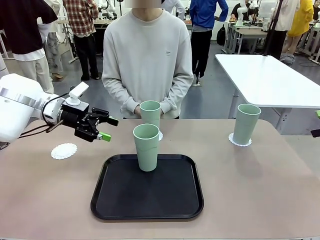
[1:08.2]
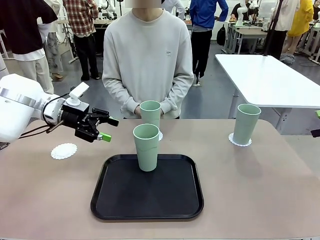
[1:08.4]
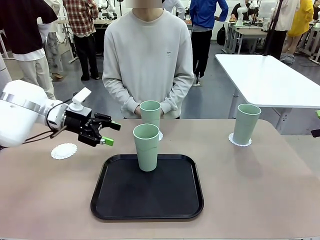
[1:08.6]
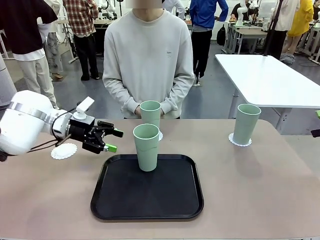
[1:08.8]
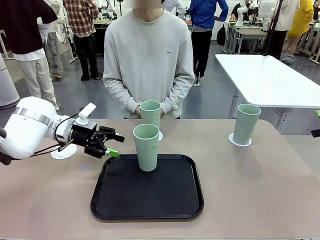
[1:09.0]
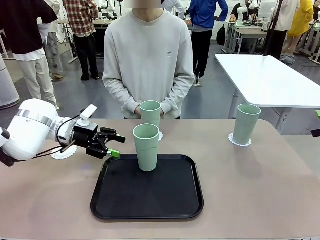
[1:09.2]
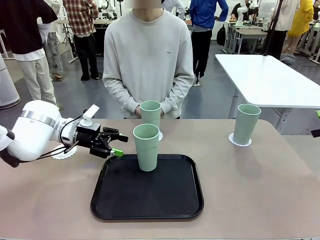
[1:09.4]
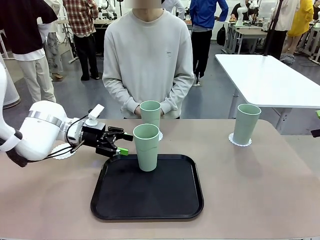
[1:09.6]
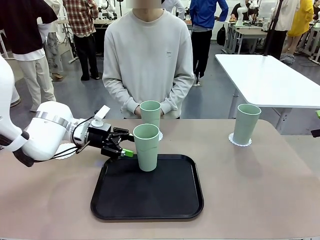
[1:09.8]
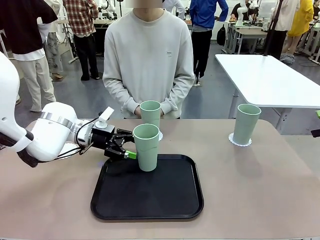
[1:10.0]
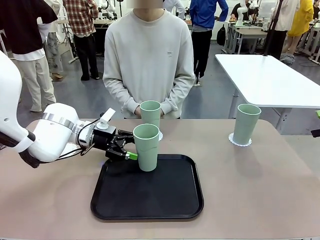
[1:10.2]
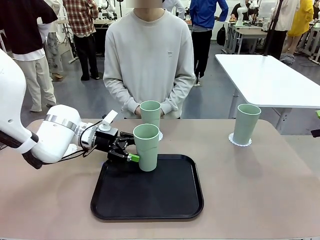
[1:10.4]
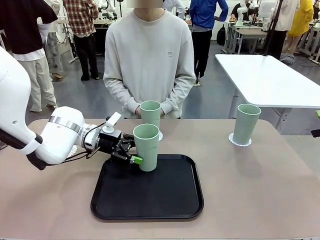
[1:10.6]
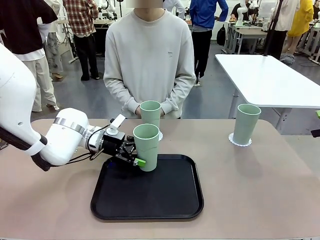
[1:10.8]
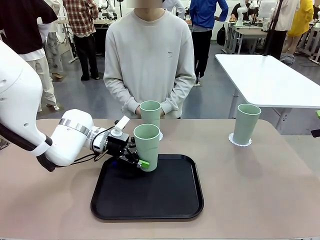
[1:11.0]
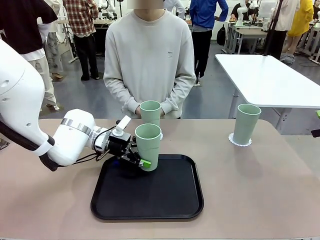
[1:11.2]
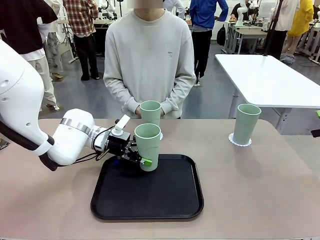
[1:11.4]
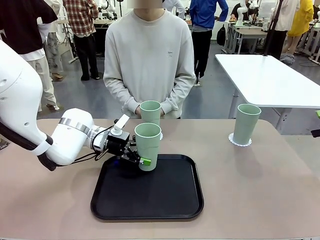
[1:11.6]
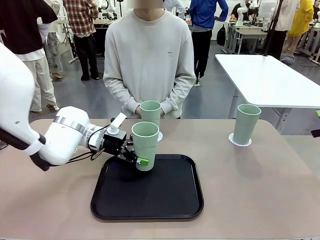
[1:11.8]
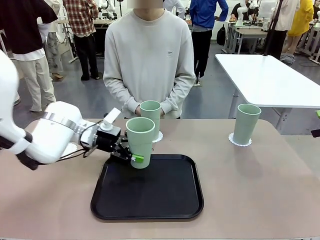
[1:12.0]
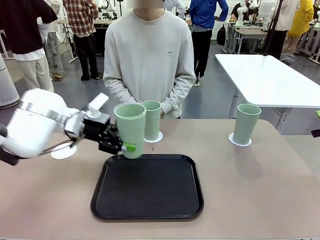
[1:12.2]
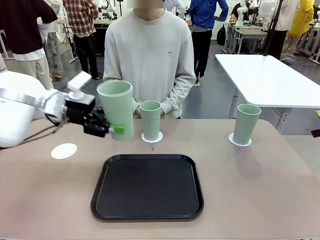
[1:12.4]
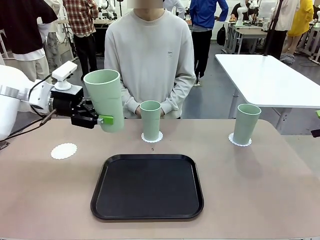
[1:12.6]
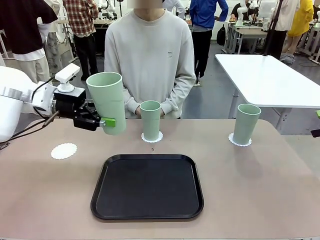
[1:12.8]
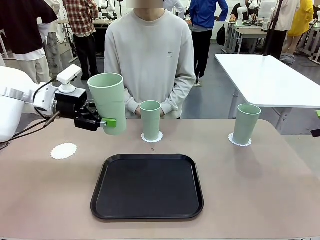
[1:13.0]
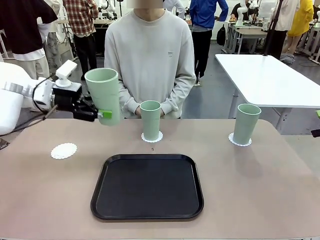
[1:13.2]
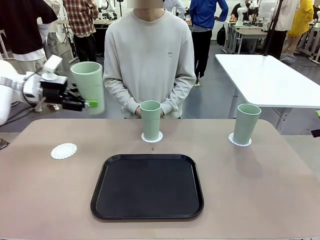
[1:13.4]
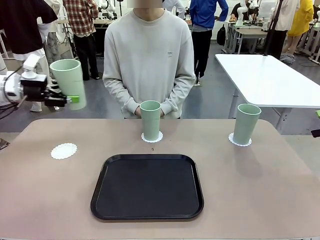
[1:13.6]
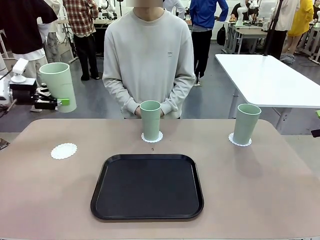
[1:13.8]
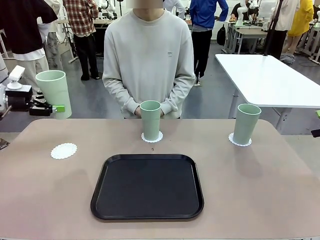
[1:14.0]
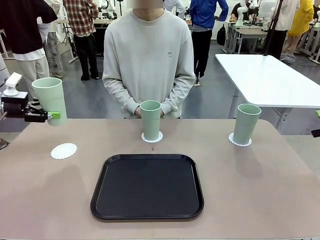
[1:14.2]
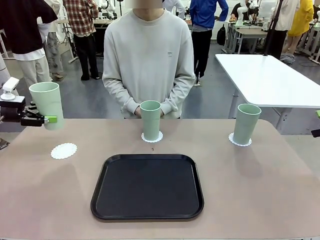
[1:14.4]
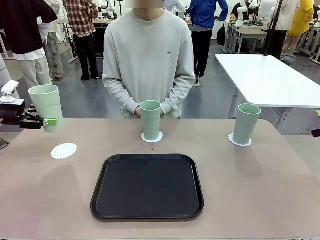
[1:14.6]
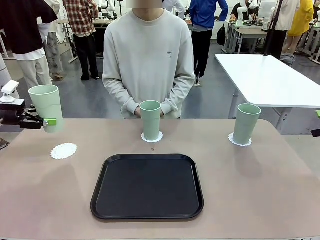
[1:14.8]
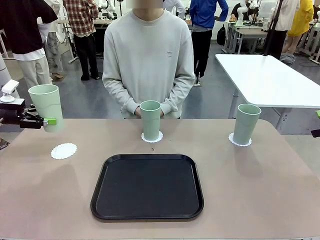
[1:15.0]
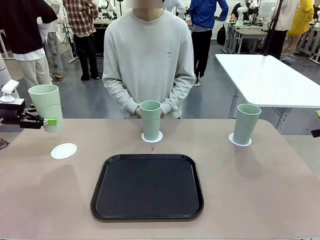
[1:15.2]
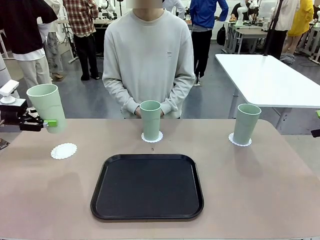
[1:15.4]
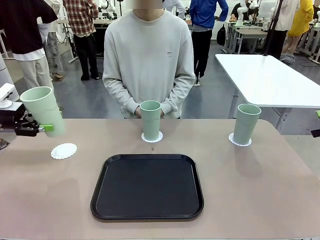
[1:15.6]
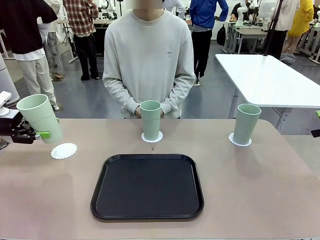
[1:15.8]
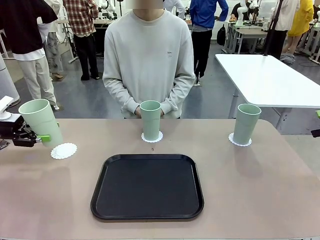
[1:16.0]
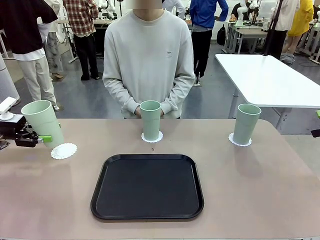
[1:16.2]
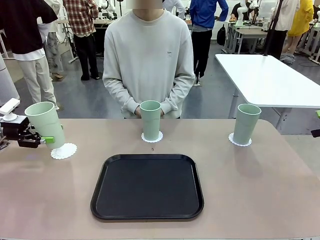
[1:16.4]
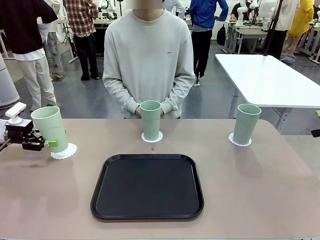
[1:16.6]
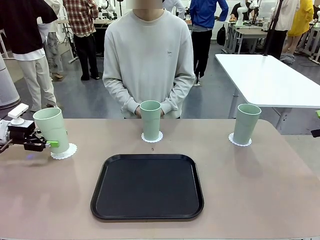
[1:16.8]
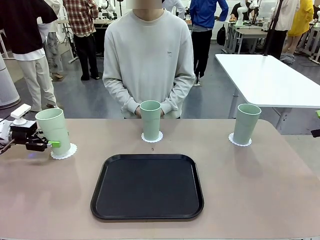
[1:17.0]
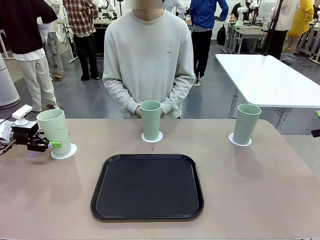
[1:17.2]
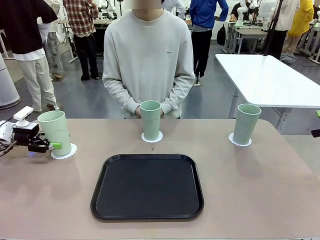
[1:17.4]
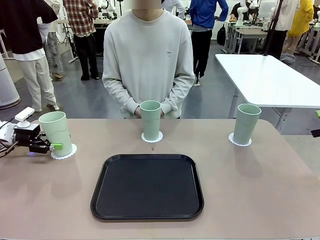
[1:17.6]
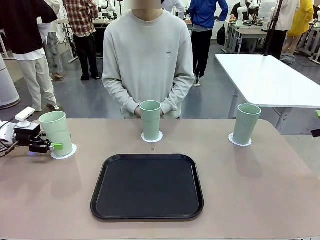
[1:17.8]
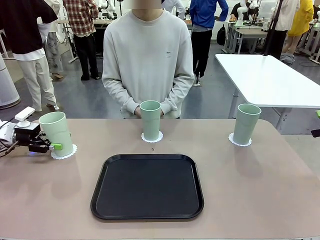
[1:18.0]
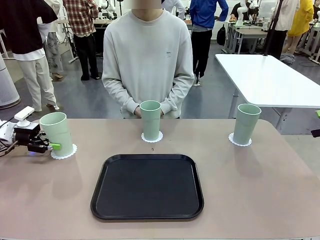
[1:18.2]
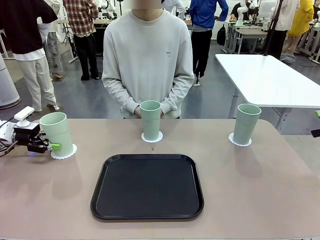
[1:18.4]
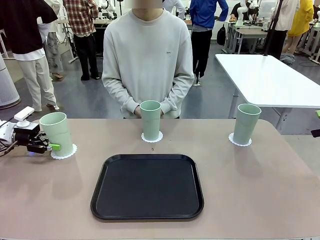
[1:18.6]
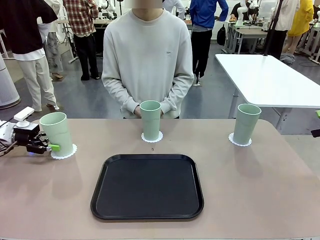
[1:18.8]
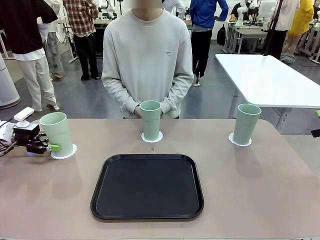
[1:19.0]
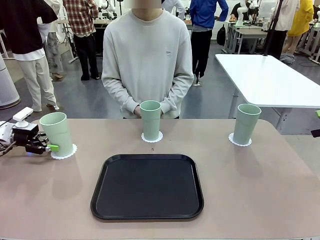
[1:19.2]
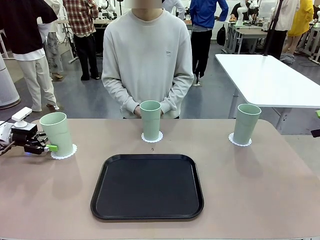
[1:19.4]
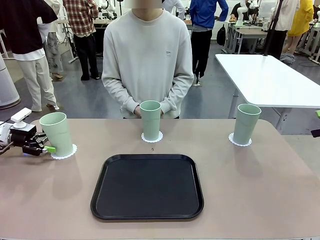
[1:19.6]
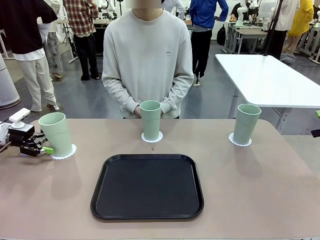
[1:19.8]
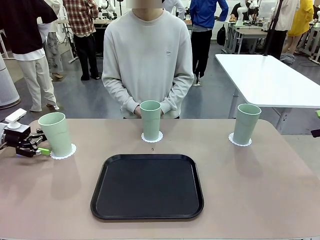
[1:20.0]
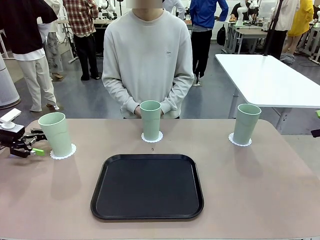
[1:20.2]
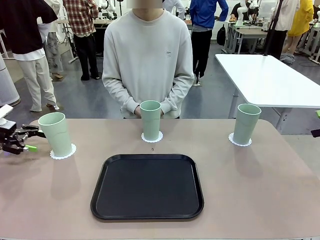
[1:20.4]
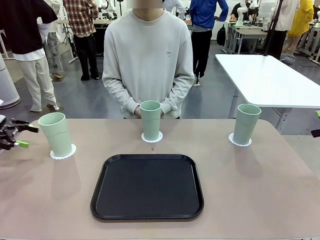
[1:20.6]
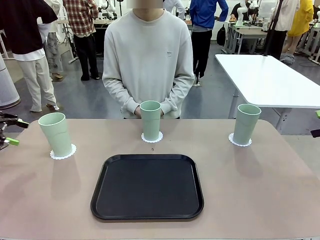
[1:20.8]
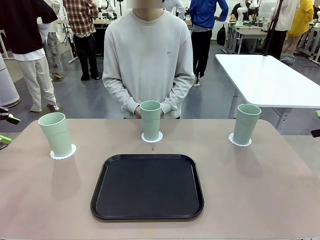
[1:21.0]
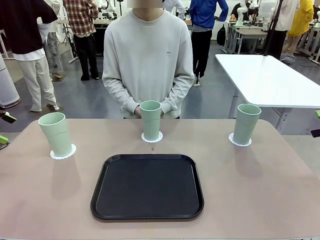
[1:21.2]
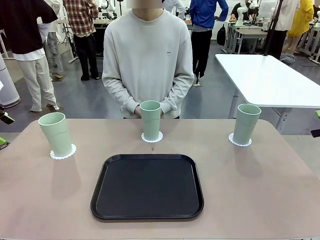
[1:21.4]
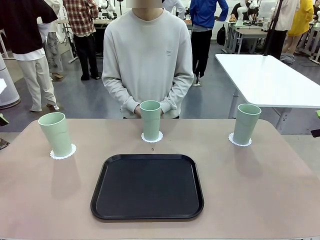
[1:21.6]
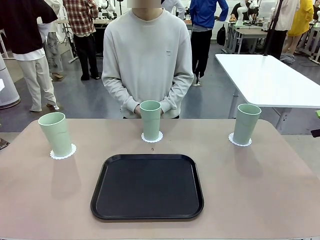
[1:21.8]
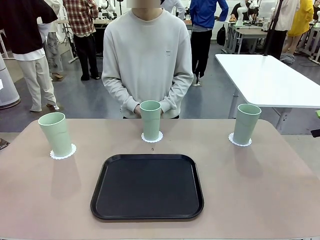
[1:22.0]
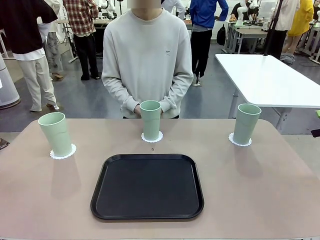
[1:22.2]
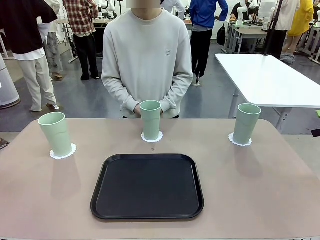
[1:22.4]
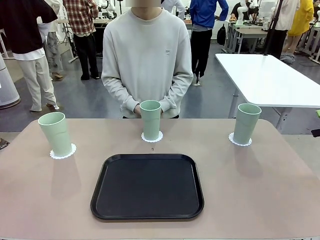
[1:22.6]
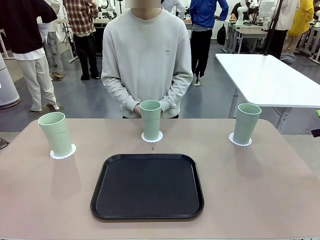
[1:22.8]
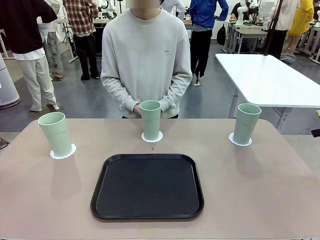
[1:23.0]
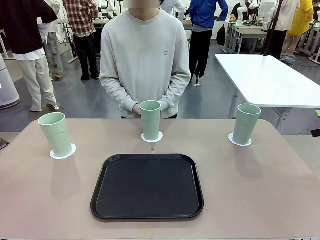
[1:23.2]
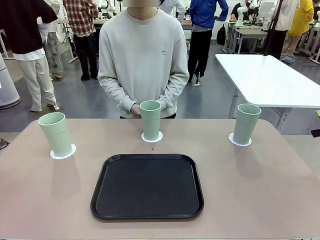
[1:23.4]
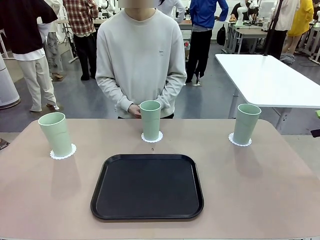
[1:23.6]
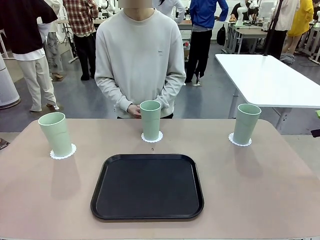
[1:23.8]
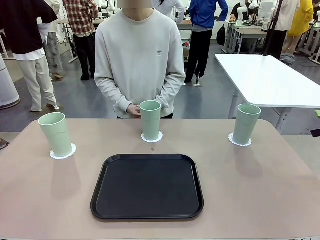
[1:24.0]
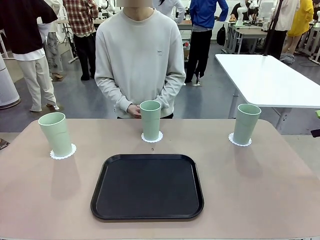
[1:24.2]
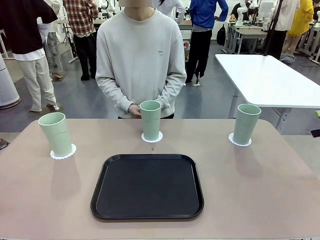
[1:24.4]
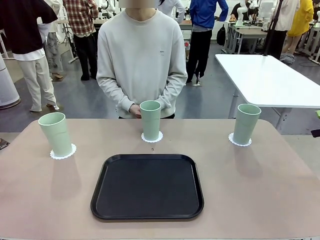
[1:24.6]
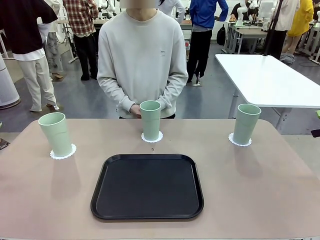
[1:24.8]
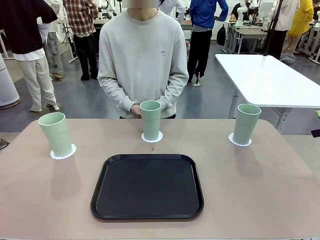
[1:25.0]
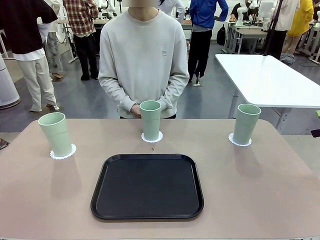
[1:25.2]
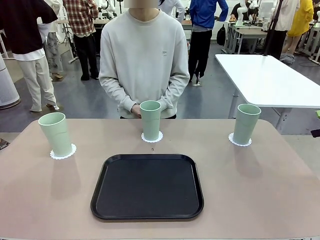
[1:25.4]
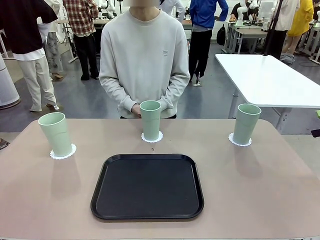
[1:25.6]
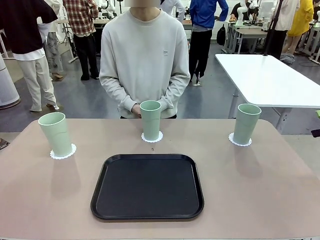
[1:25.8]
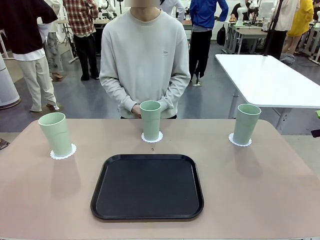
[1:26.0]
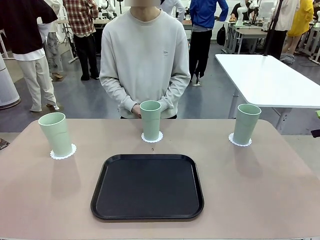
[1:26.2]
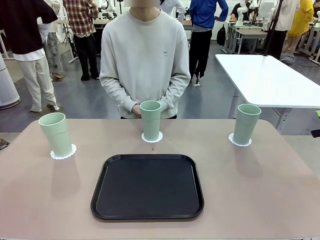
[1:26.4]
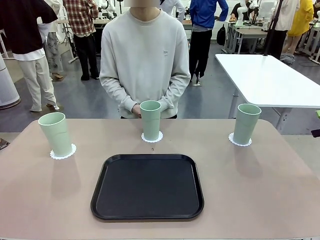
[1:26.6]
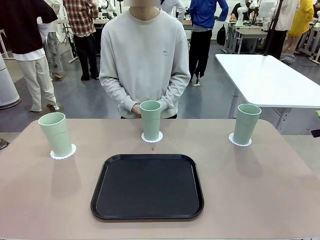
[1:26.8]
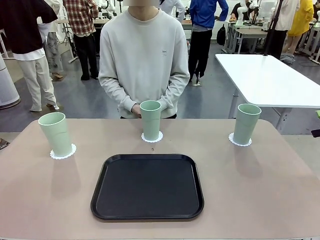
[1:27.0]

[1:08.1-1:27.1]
Task: Place coasters on the table and set cups on them.
Robot: Take one Reusable plastic cup from the Flat Tray and place it on a coaster set by the human.
